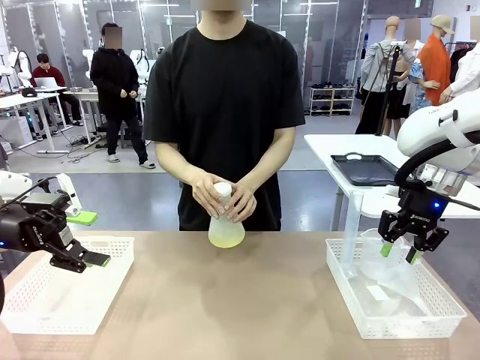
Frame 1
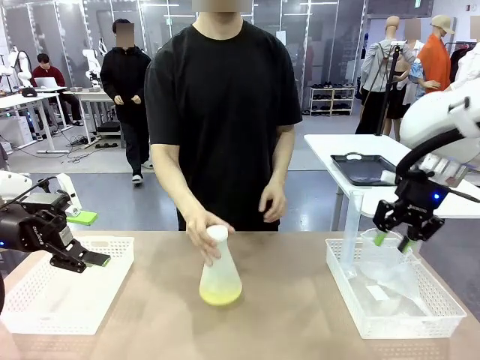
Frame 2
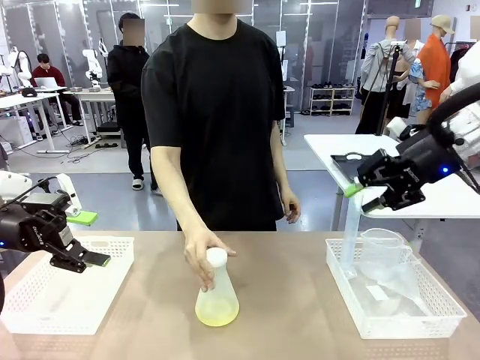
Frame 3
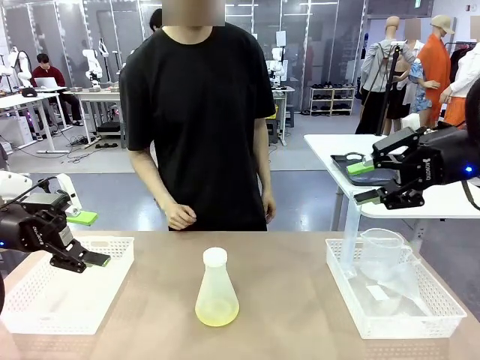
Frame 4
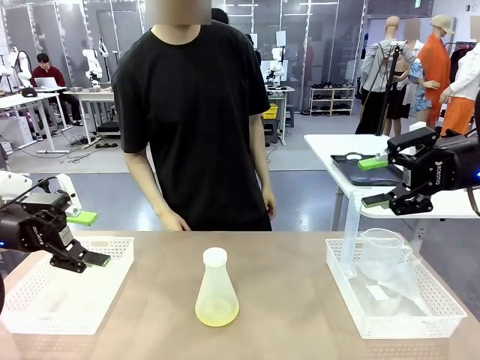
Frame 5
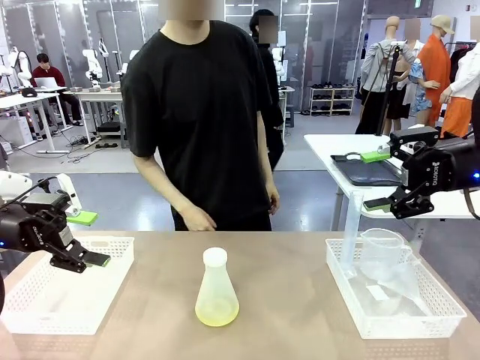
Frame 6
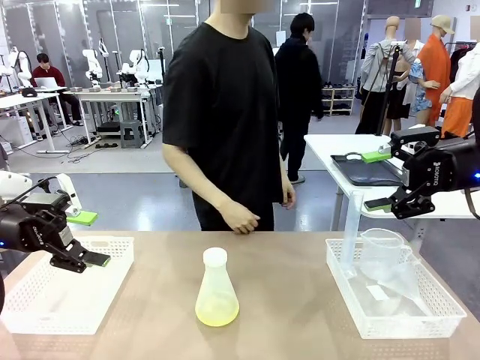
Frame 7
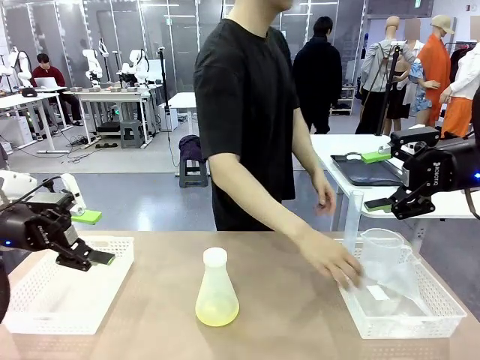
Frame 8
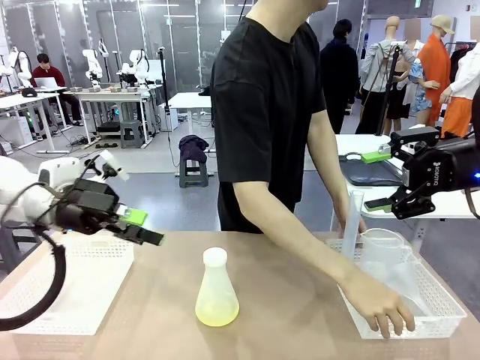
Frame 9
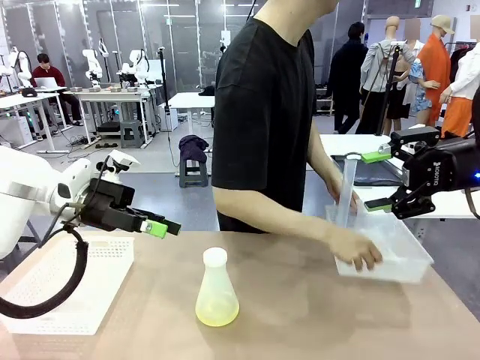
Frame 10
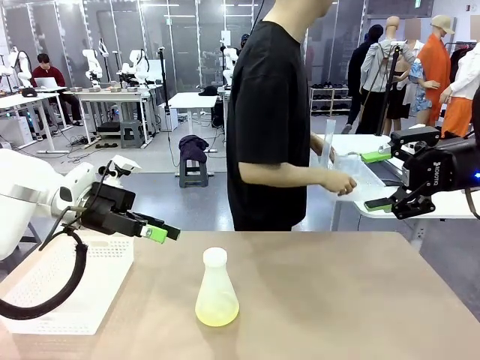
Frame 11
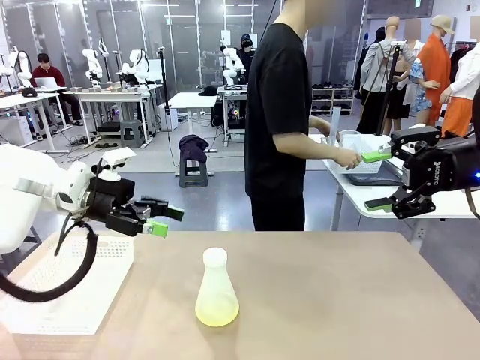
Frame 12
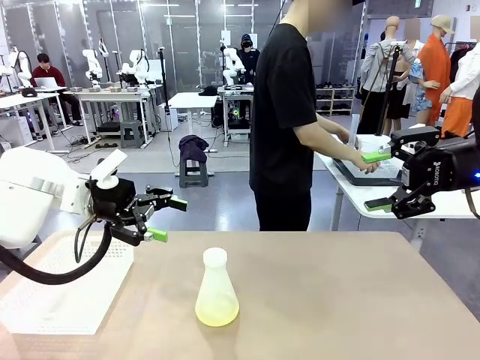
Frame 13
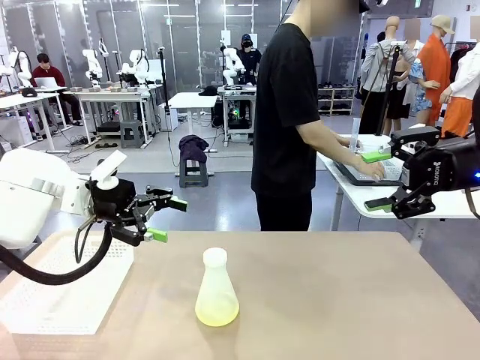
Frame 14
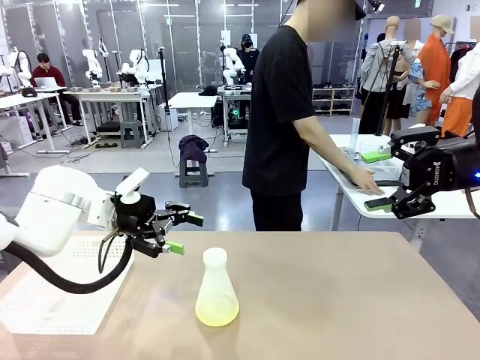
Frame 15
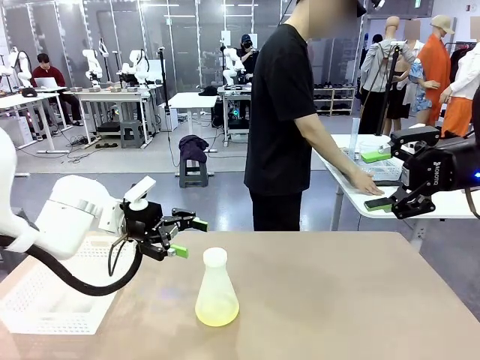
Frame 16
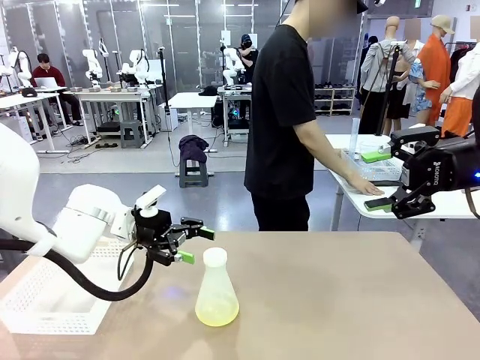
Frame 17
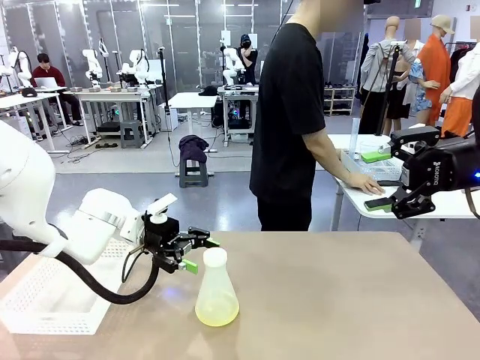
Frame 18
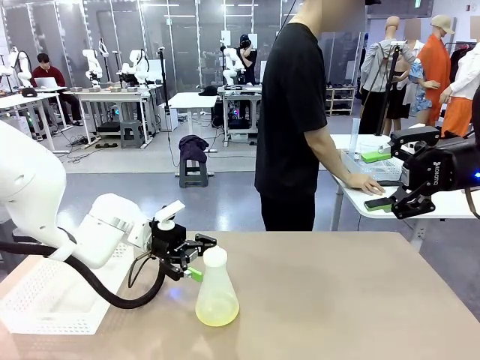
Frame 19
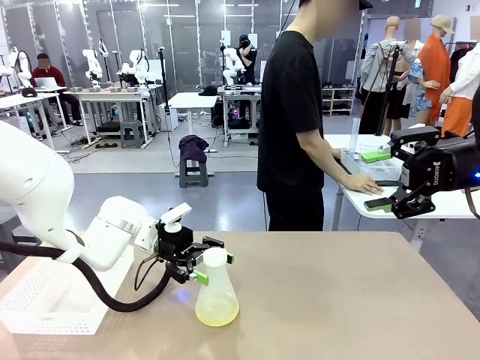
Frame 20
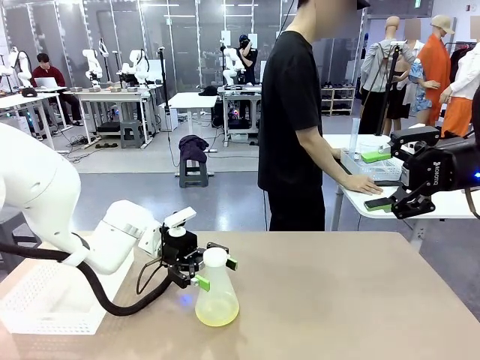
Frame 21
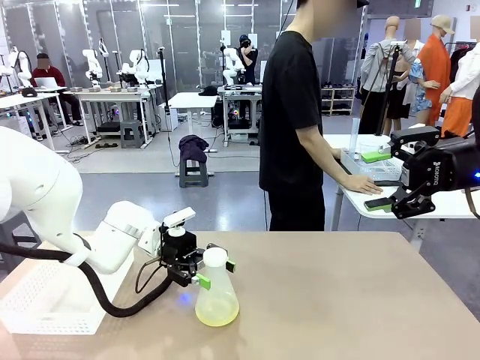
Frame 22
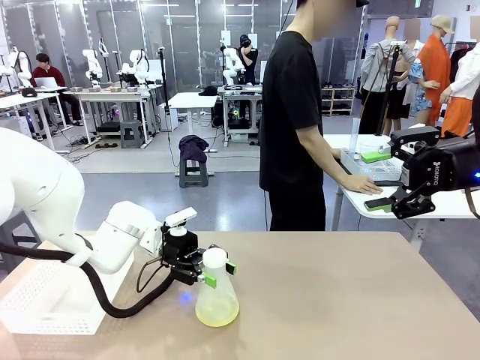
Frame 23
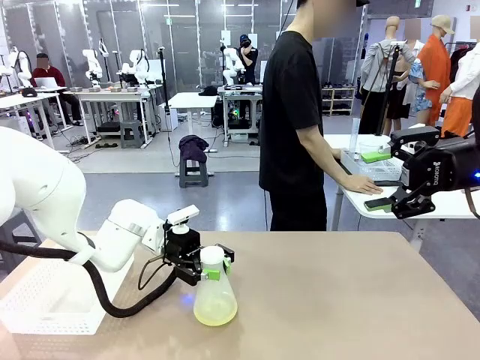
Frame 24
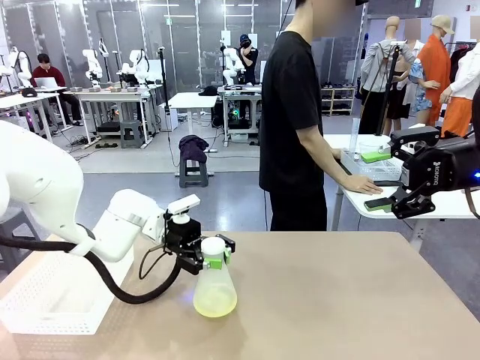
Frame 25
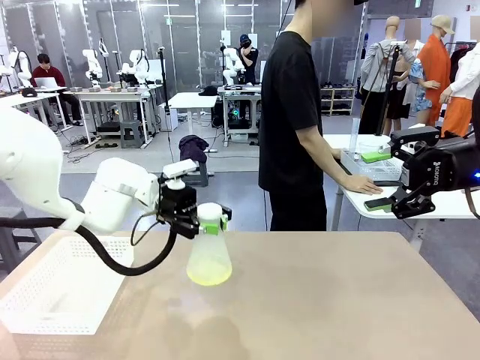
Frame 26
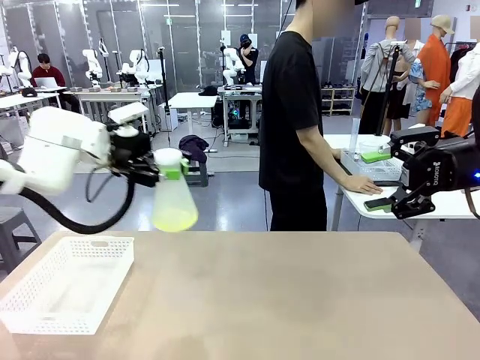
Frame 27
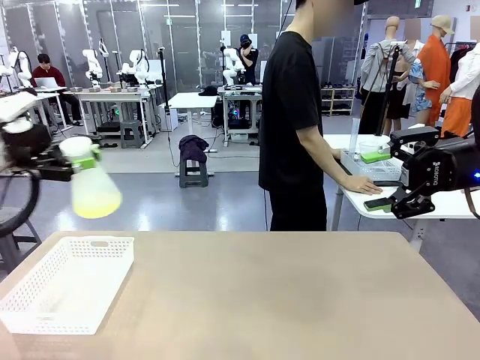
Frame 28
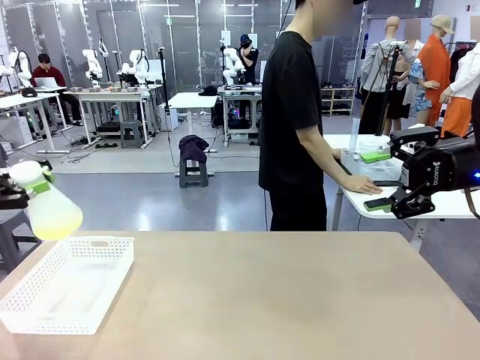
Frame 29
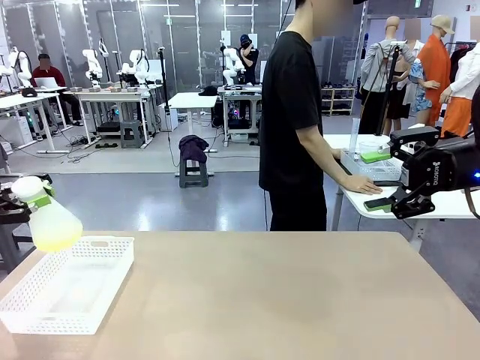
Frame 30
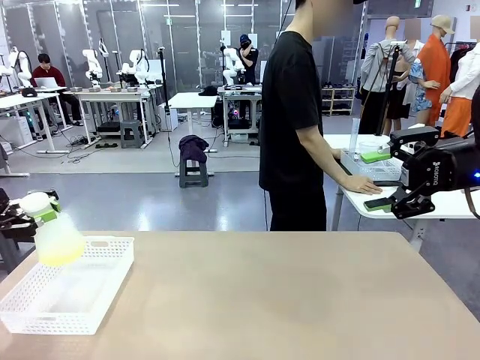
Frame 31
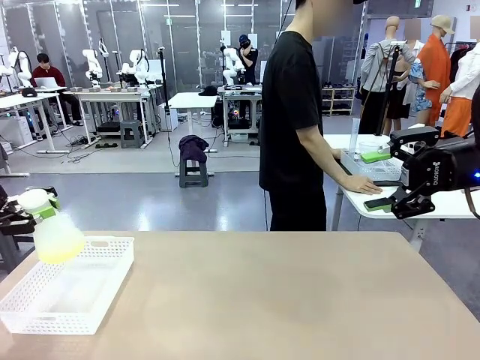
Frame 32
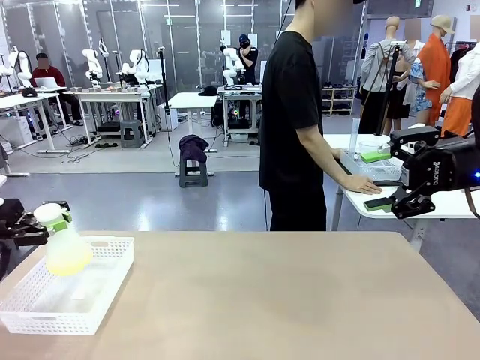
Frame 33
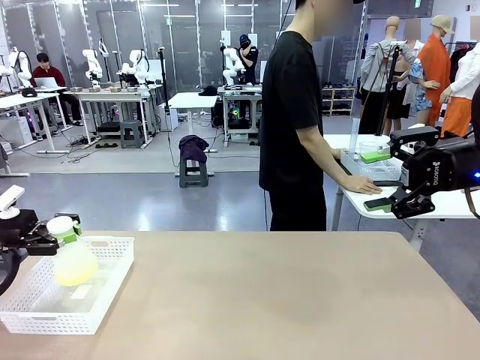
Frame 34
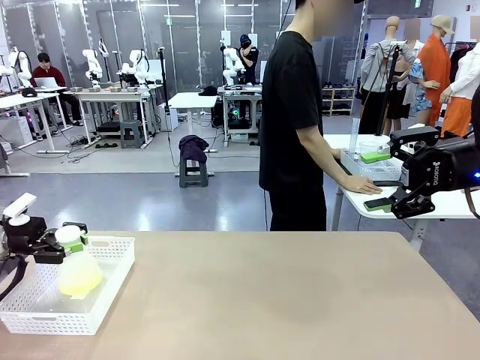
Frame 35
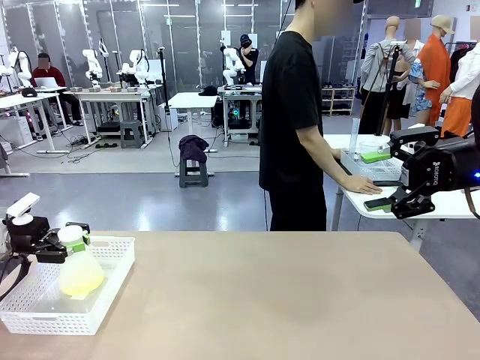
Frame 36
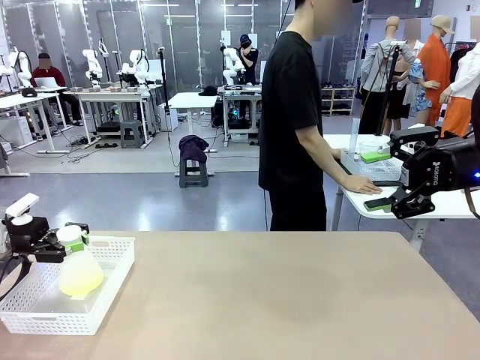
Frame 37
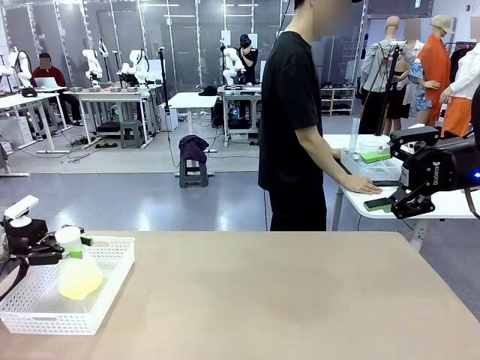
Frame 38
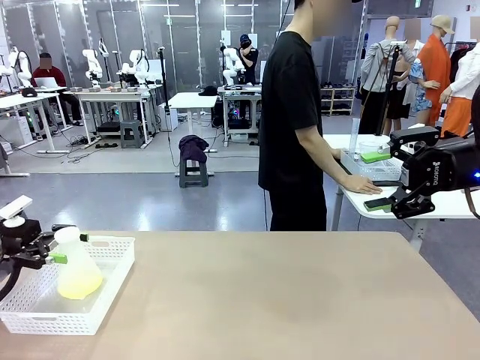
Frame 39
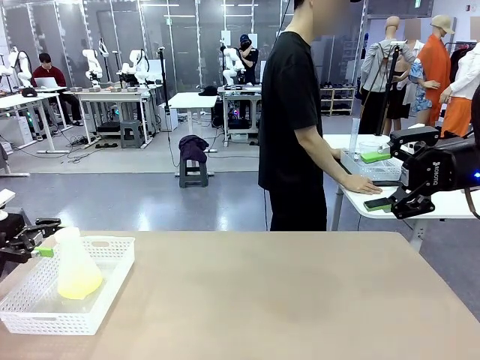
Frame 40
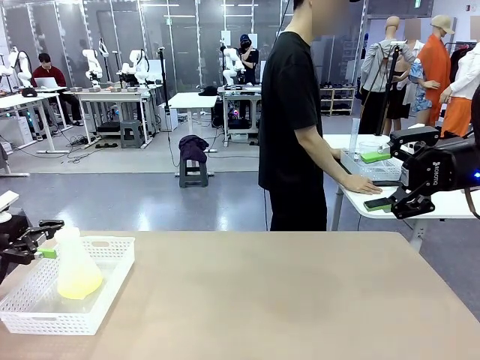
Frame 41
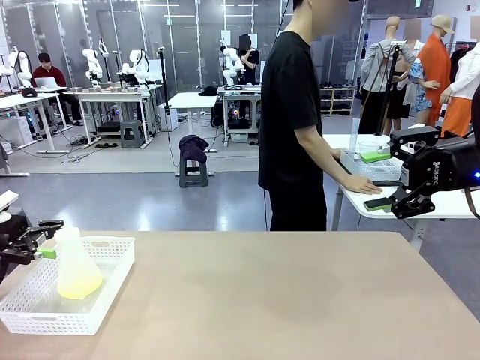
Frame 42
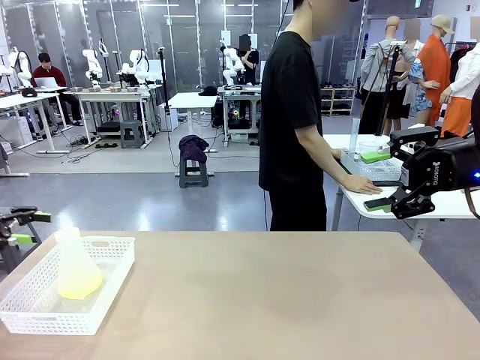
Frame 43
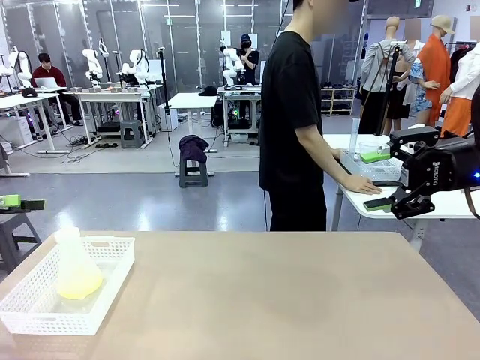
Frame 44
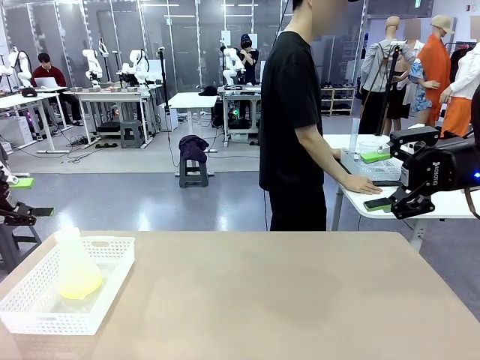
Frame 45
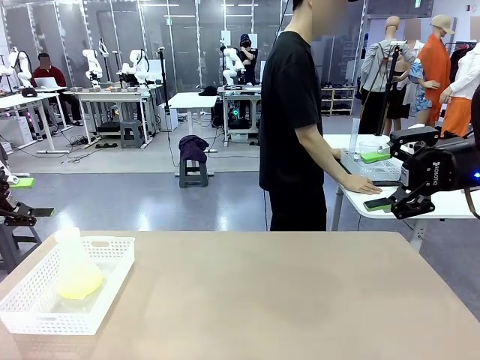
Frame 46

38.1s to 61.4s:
Task: Prepare the solutions needed for the experiment.
Robot: When the human places the Big flask in the center of the table, pick up the Big flask and place it in the left Organizing basket.
Person: Pick up the organizing basket on the left side of the robot table and place it on the left side of the human table.

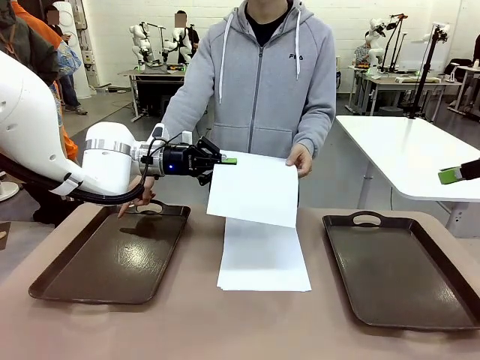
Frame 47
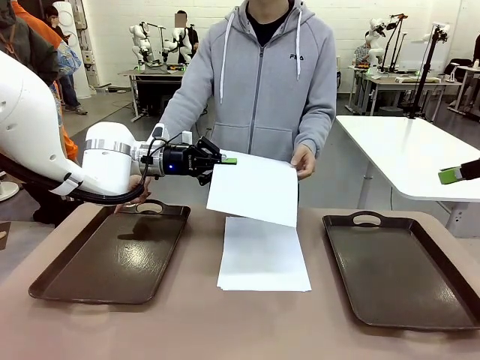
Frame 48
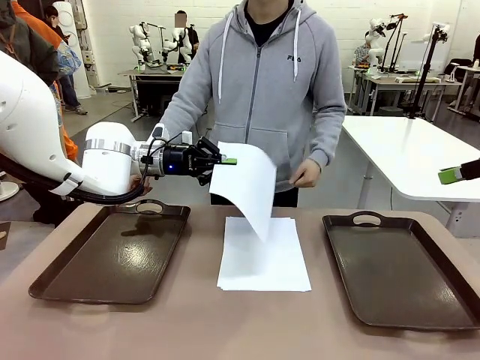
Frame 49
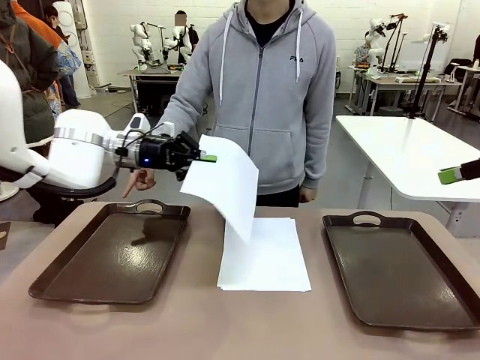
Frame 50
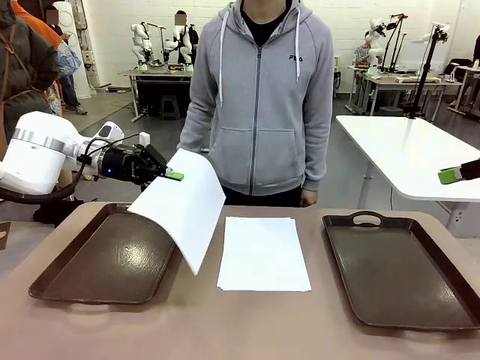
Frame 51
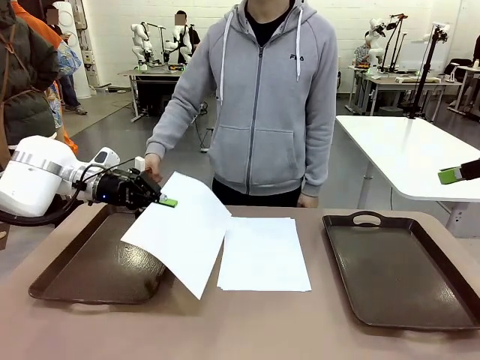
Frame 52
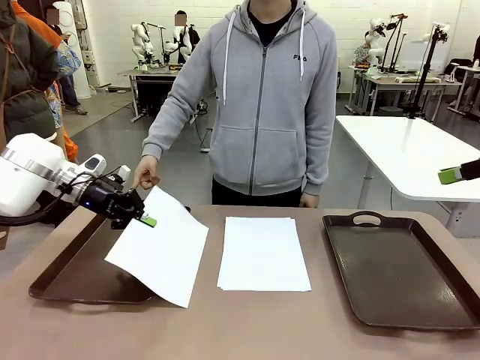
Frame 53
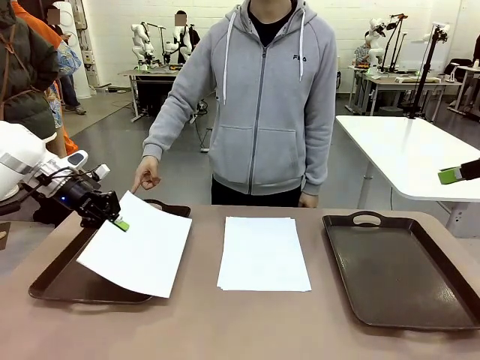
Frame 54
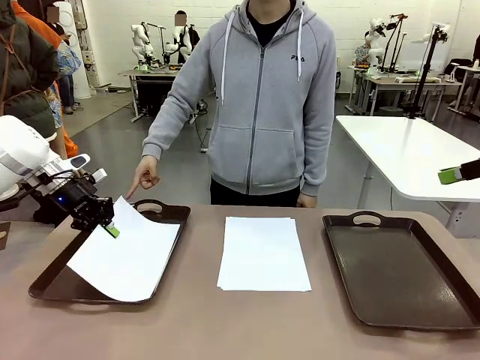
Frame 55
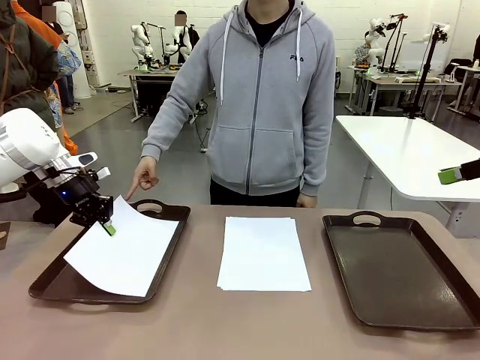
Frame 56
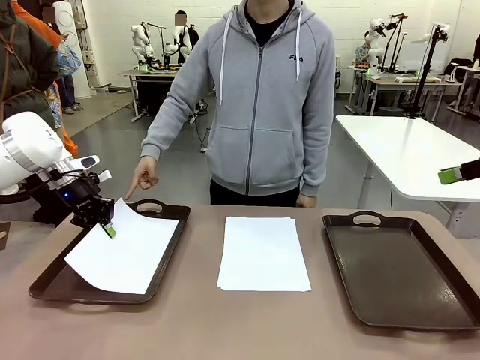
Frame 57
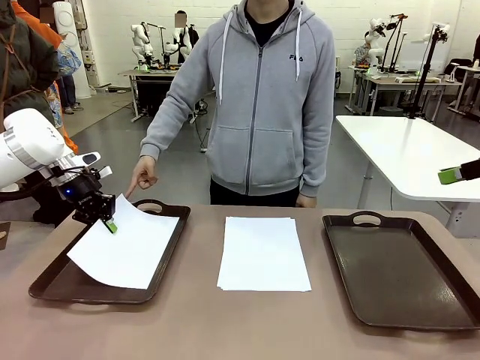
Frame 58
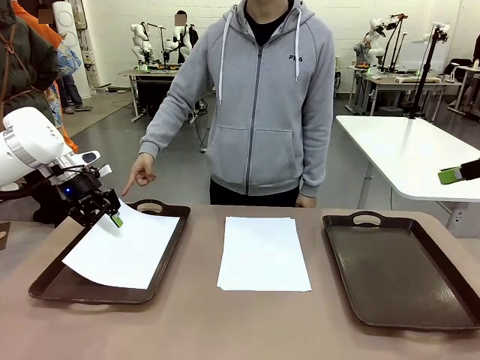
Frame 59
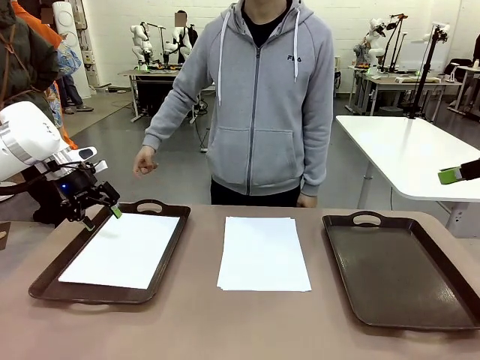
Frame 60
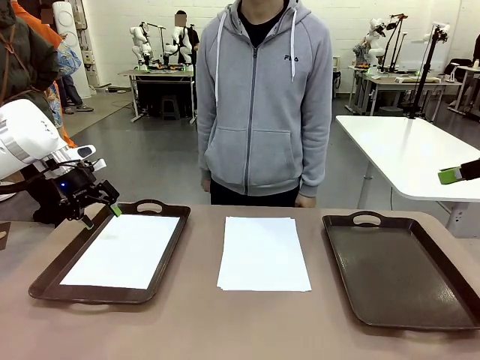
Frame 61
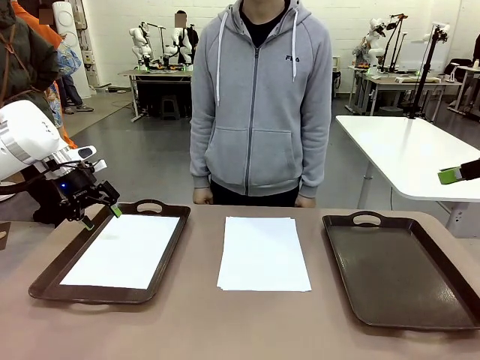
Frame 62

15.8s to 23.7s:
Task: Sort the A4 documents.
Robot: Place the A4 Paper in the designated Handle tray.
